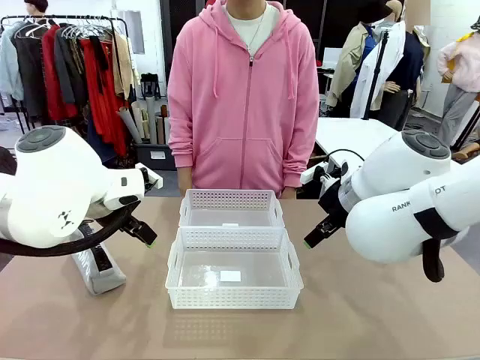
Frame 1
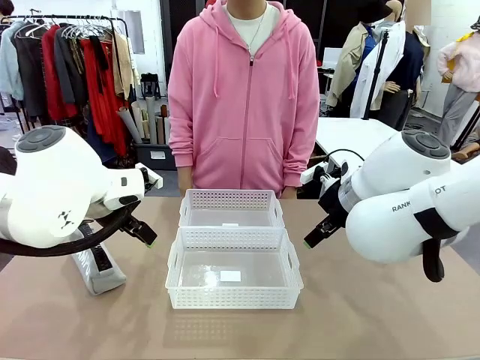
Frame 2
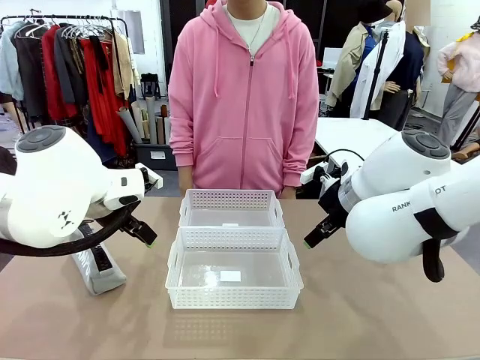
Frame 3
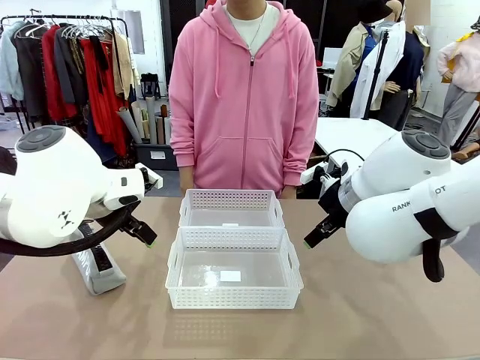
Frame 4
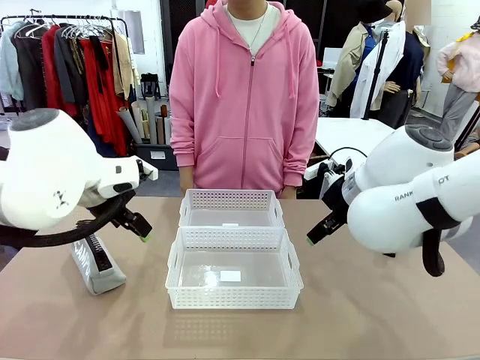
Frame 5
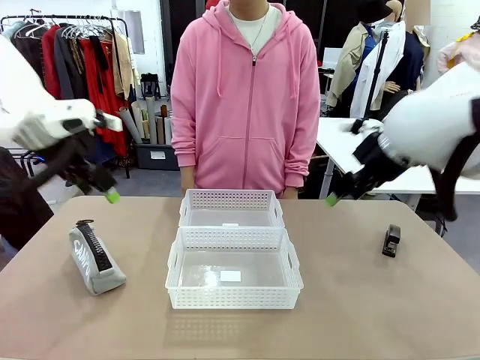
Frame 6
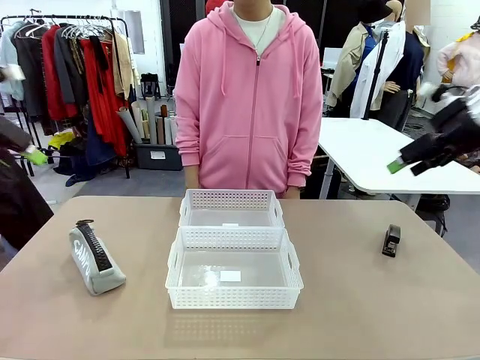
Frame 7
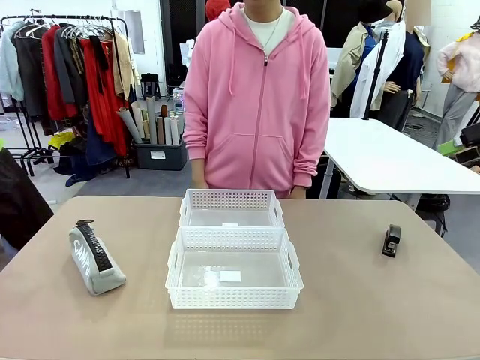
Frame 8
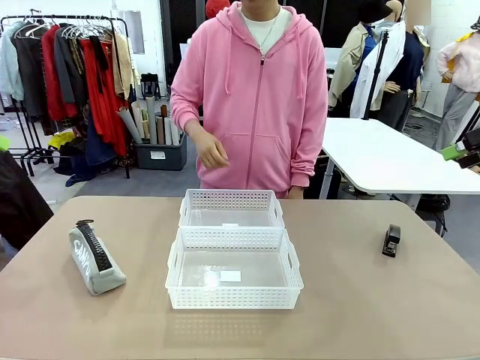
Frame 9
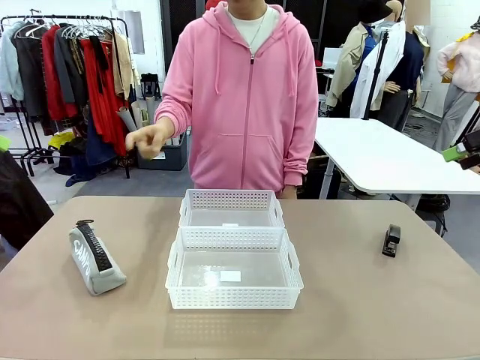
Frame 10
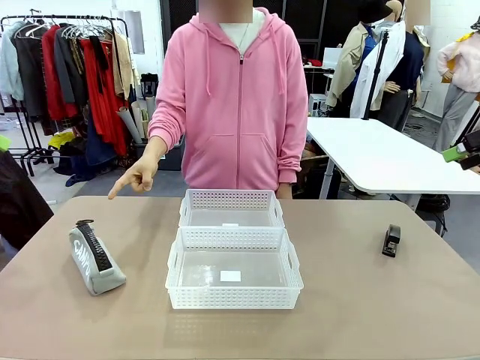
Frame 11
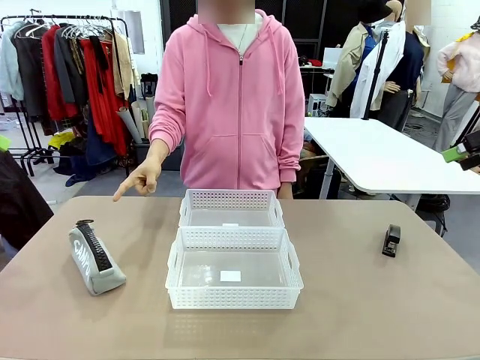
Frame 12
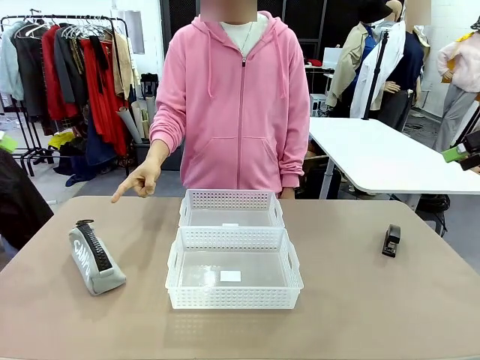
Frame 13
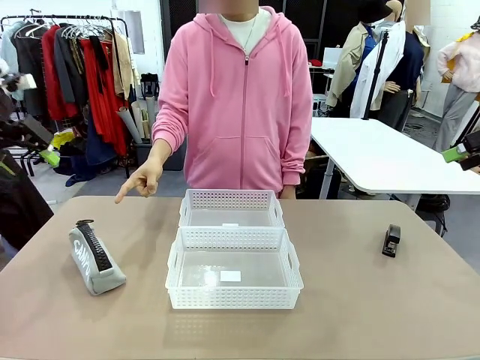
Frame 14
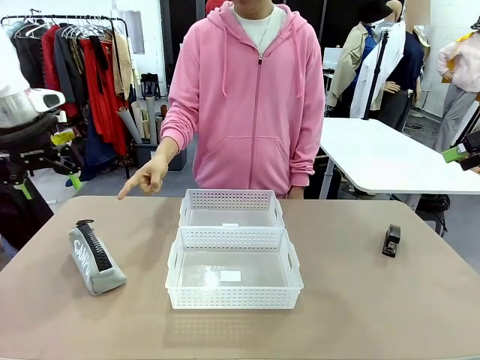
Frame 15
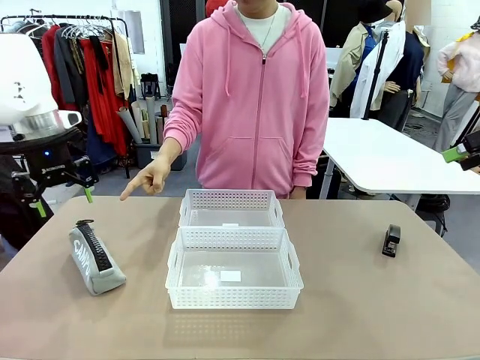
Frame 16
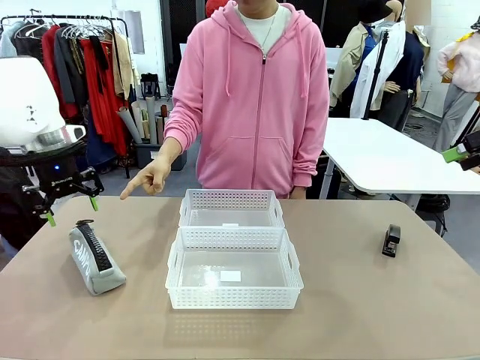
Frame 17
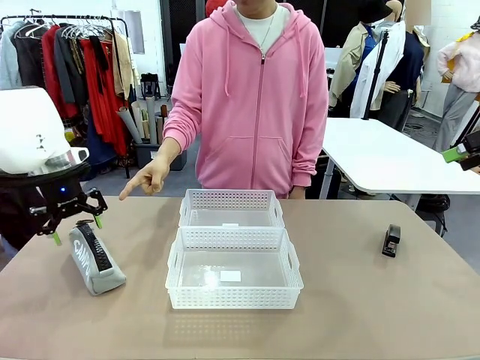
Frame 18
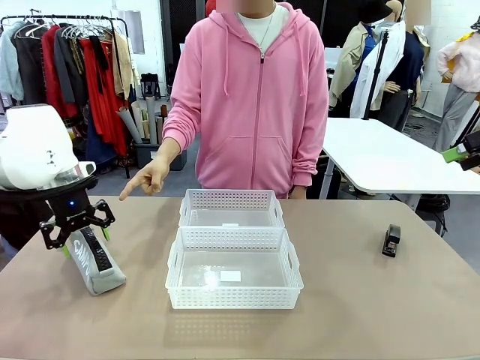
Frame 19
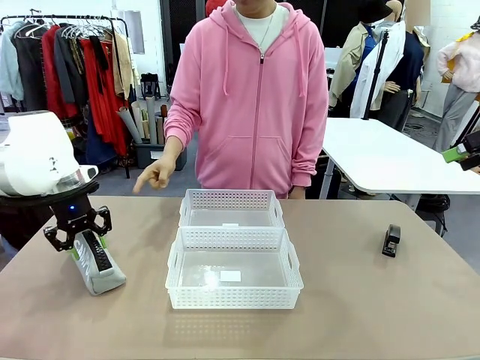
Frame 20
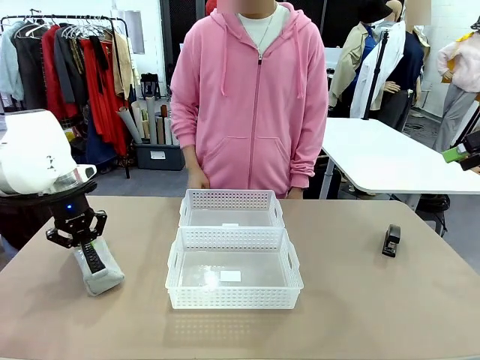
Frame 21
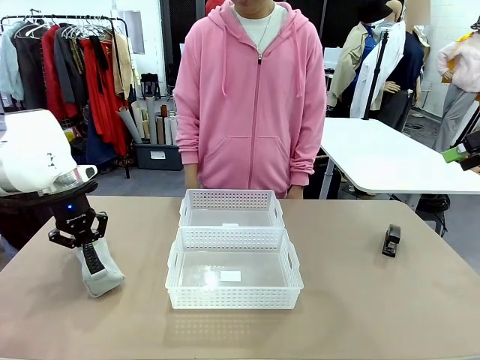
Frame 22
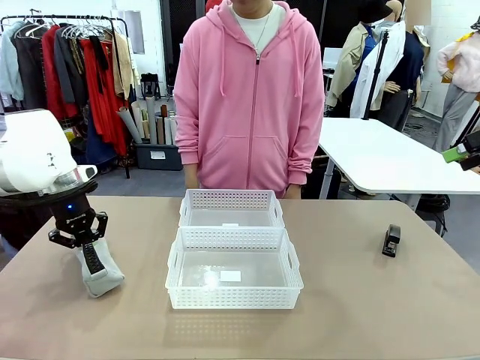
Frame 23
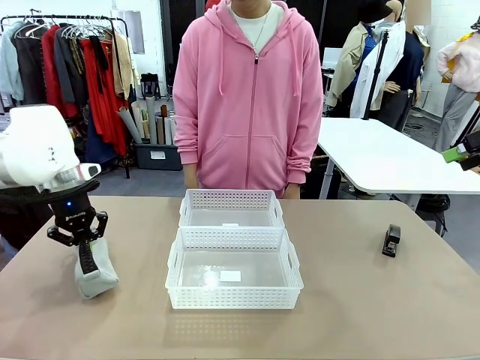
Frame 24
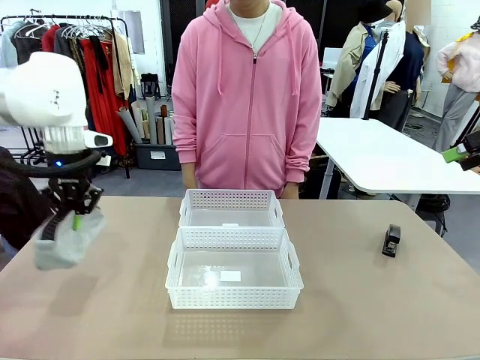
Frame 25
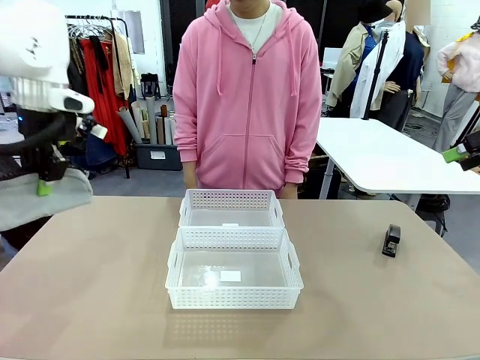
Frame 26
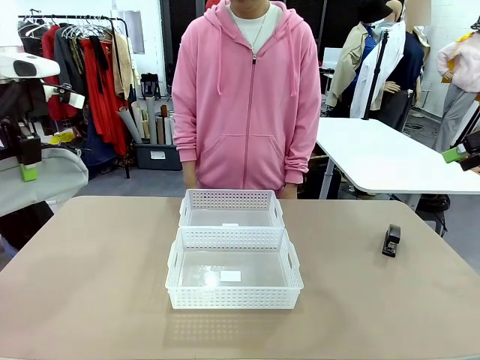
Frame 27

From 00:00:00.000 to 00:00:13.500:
Task: Distribute items into two baskets.
Robot: Pick up the Pencil pouch that the person points to.
Person: Points to the pencil case. Points between the two organizing baskets and instructs the robot to move the pencil case.

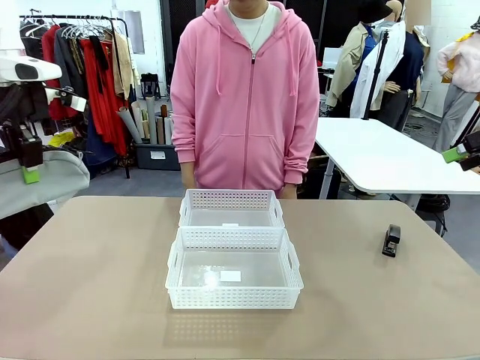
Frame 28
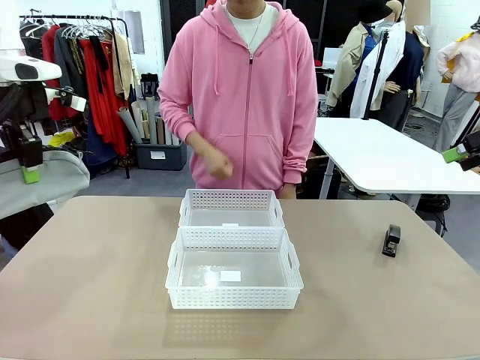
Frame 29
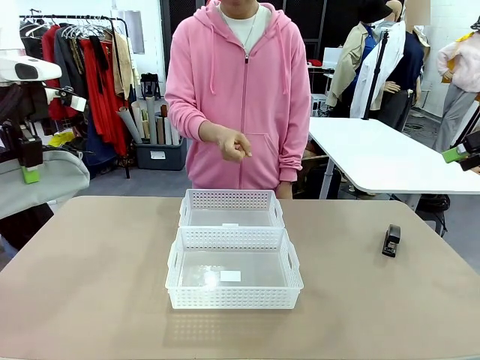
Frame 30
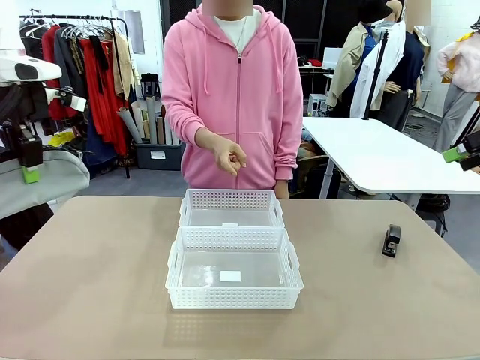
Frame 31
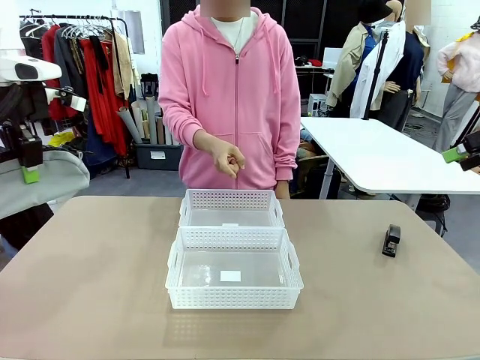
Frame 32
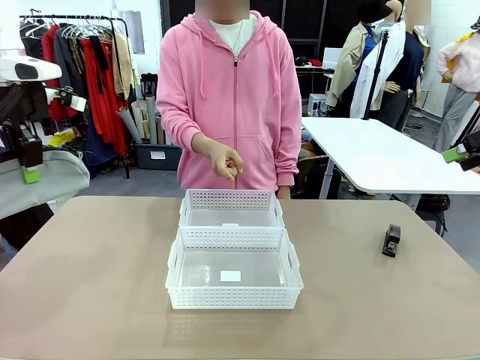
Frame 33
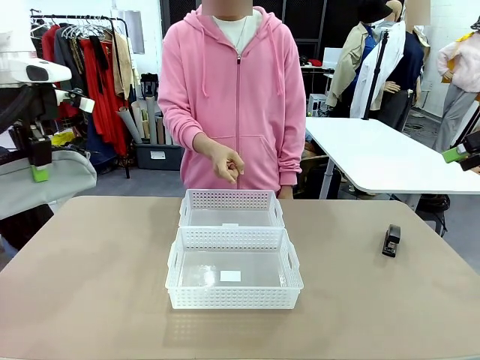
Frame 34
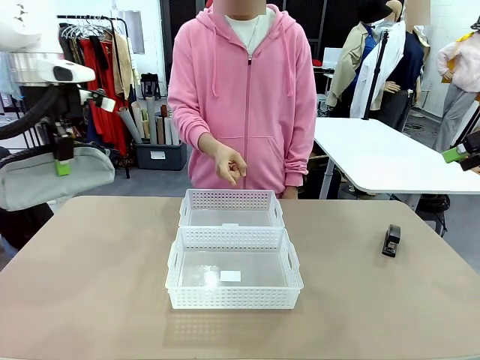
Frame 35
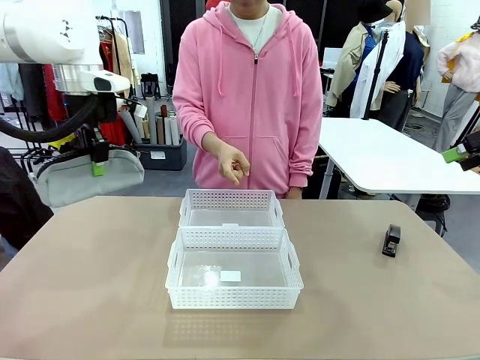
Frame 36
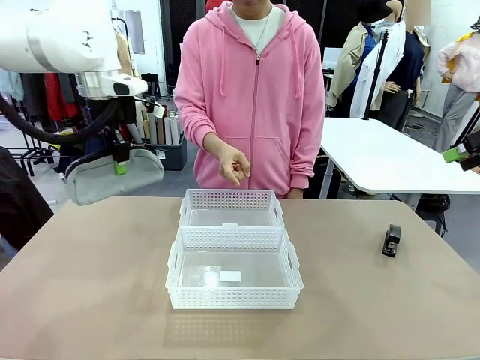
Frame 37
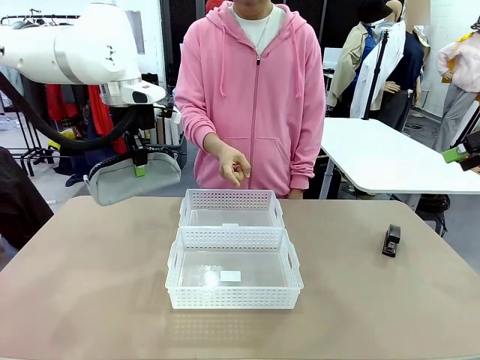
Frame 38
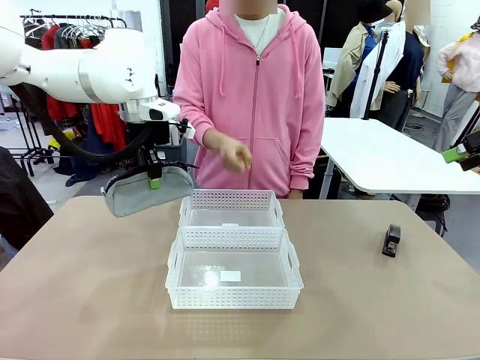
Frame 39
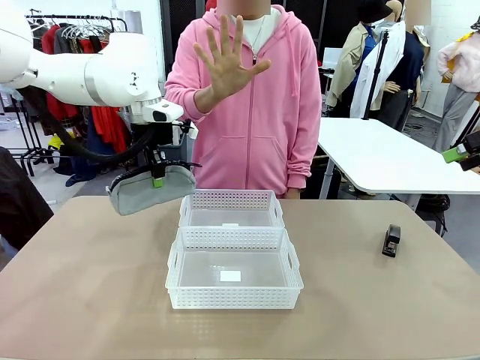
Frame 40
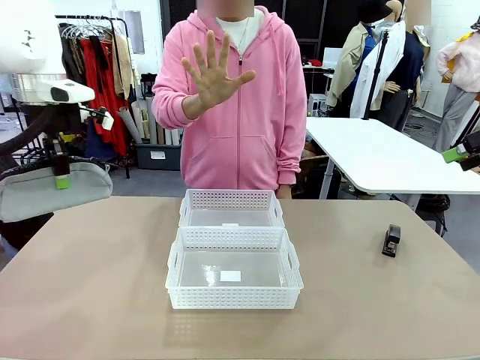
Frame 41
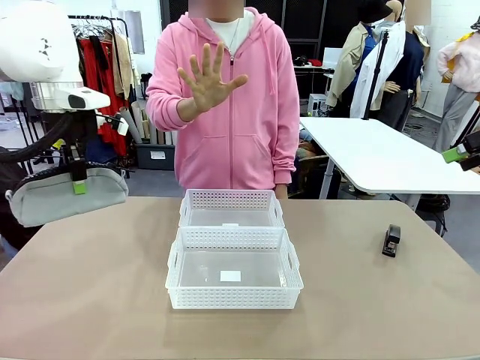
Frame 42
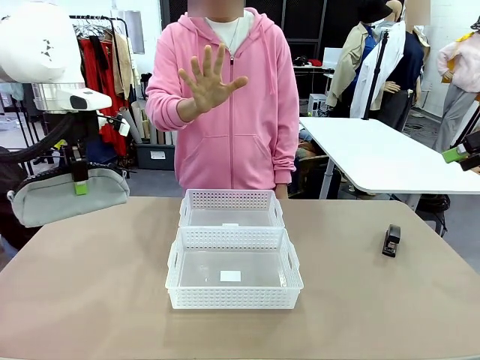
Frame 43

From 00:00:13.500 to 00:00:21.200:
Robot: Move the picked Pencil pouch towards the Organizing basket indicated by the person, stopping as directed.
Person: Sends a stop gesture before the robot places the pencil case into the basket.

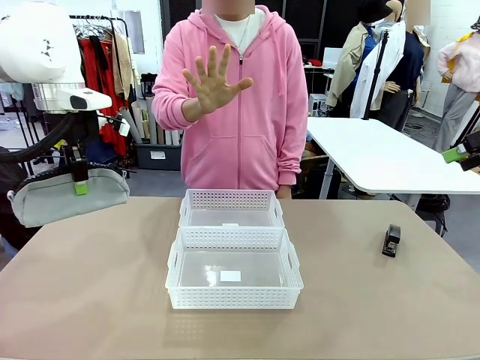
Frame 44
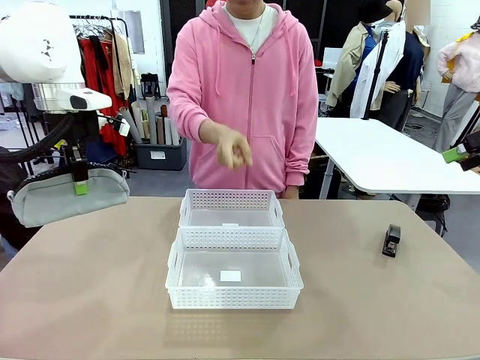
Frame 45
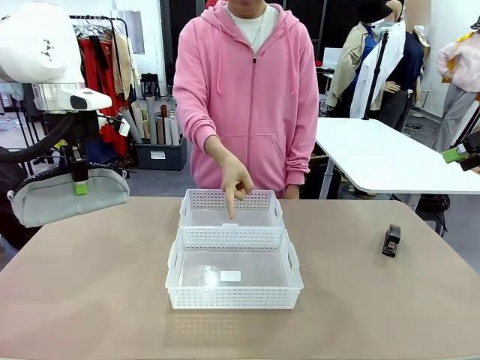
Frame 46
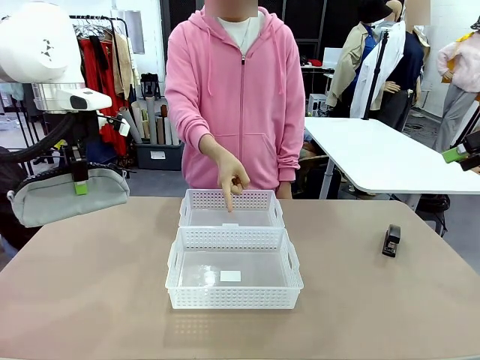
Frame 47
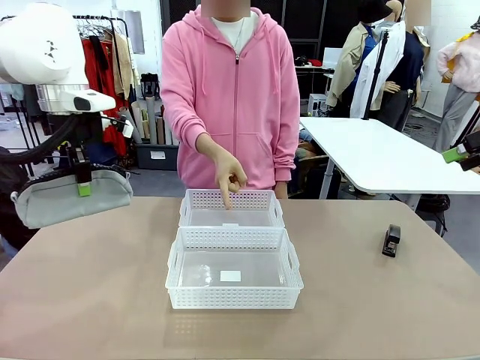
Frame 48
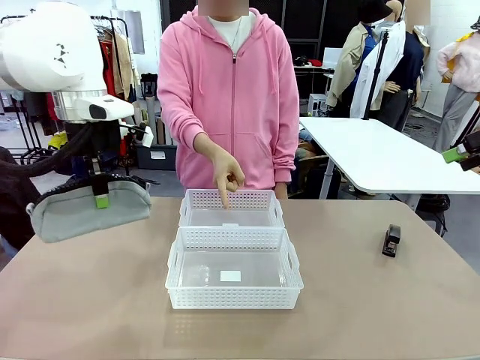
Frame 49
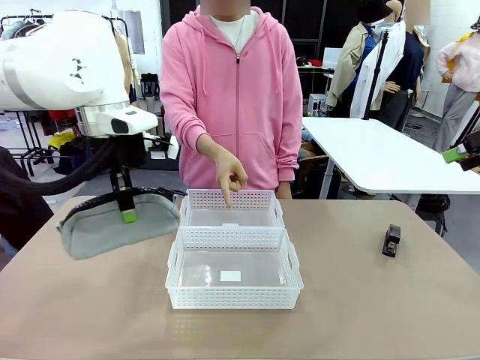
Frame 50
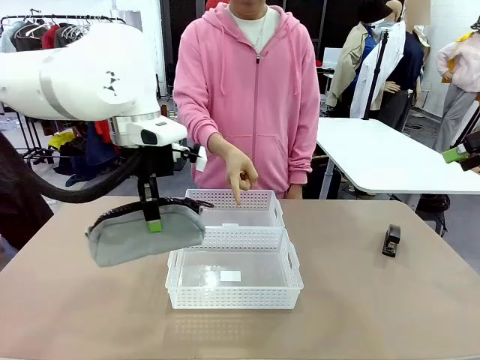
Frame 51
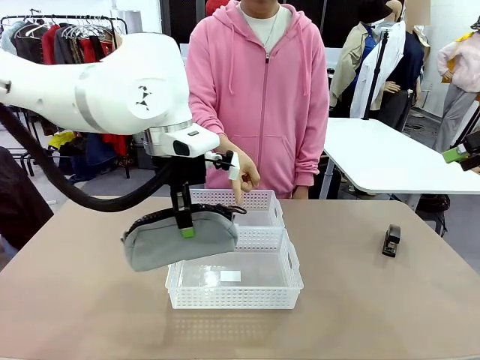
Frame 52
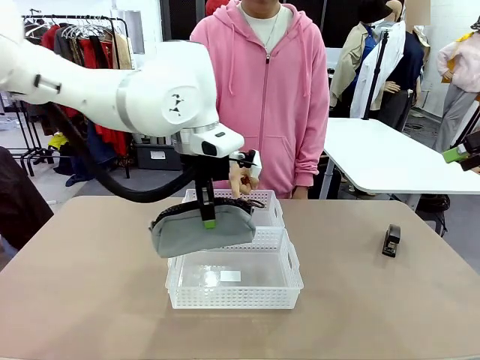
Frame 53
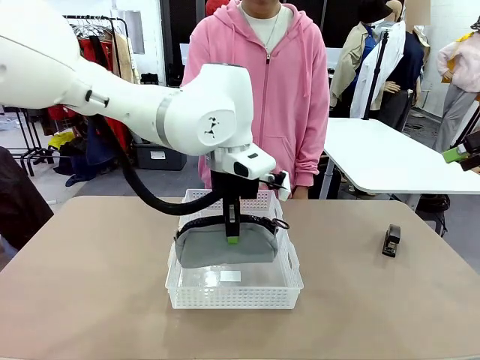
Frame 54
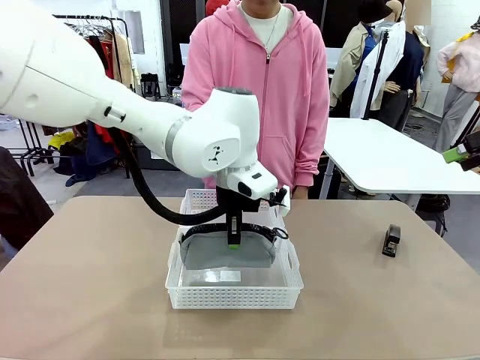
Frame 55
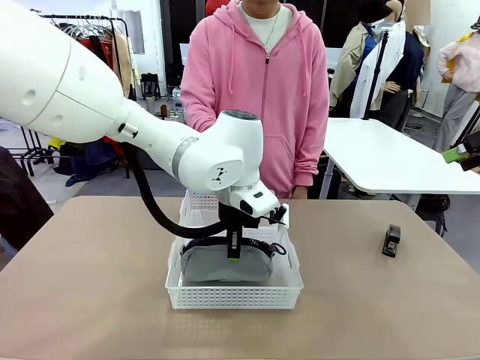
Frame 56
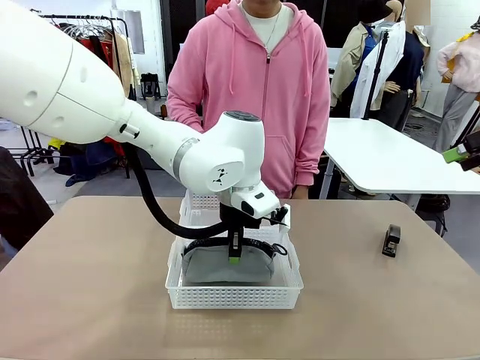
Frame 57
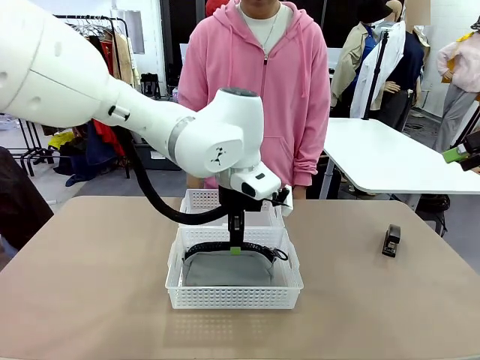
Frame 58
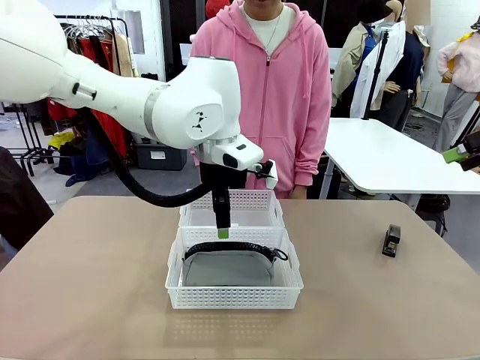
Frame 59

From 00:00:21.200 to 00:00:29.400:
Robot: Place the picked Pencil pouch into the Organizing basket as instructed by the person.
Person: Instructs the robot to place the pencil case into the opposite basket.
